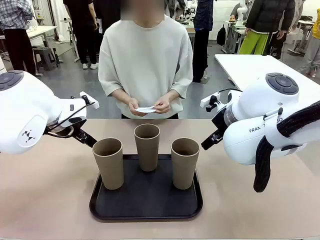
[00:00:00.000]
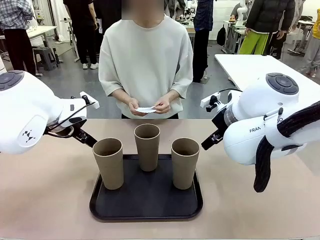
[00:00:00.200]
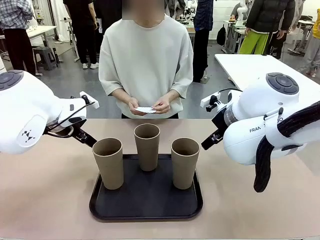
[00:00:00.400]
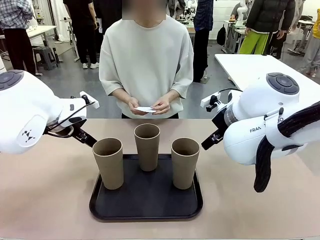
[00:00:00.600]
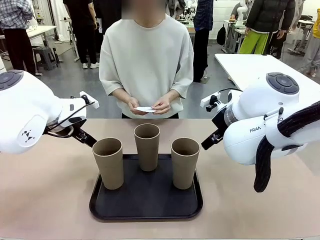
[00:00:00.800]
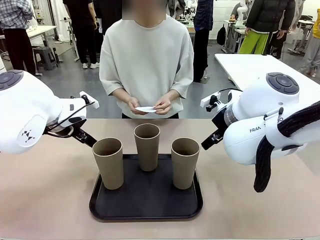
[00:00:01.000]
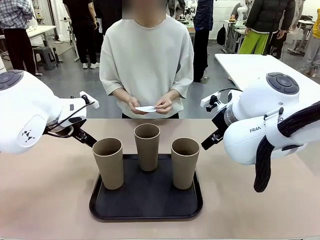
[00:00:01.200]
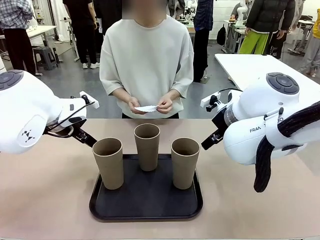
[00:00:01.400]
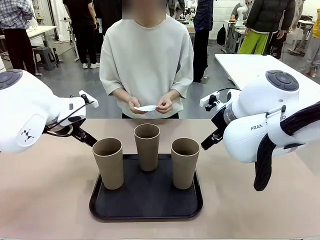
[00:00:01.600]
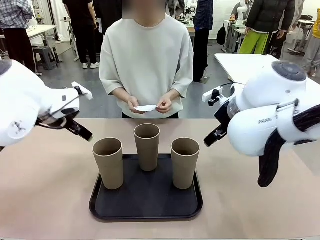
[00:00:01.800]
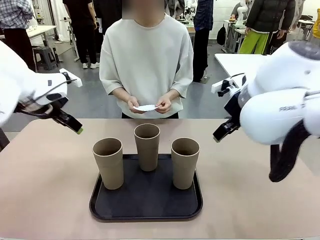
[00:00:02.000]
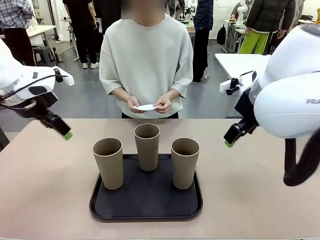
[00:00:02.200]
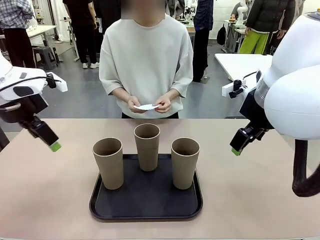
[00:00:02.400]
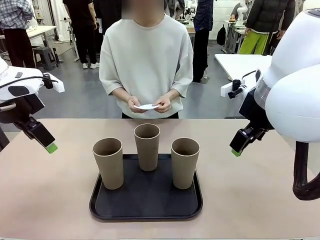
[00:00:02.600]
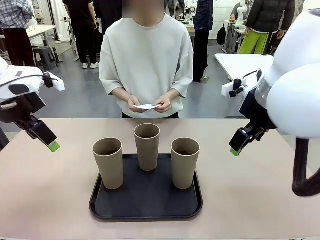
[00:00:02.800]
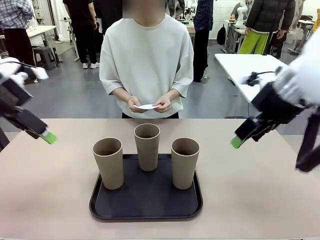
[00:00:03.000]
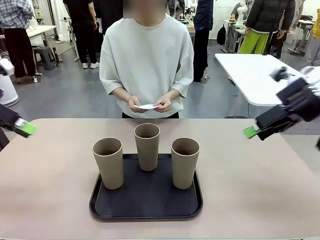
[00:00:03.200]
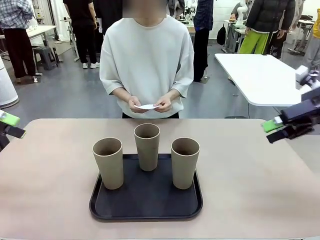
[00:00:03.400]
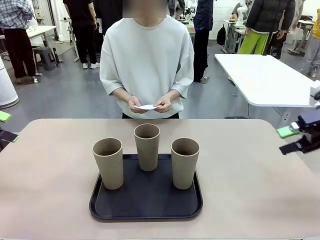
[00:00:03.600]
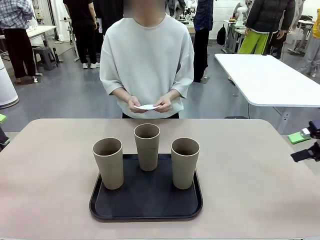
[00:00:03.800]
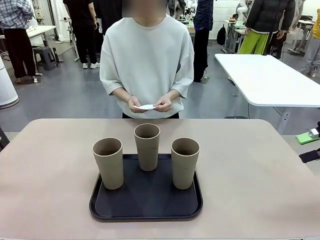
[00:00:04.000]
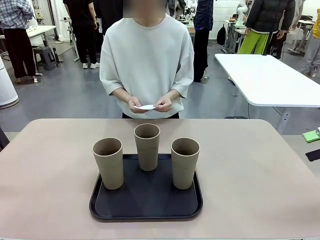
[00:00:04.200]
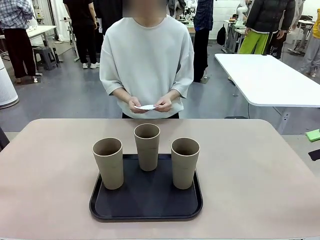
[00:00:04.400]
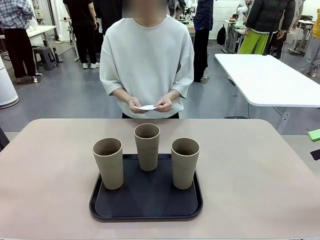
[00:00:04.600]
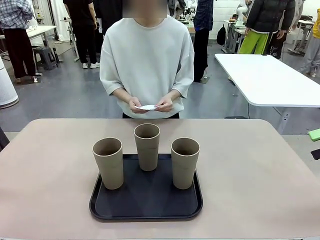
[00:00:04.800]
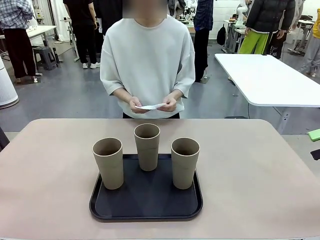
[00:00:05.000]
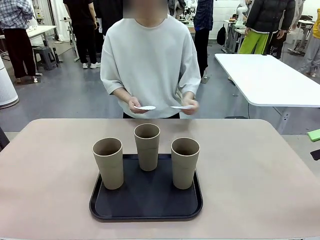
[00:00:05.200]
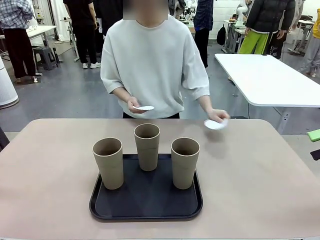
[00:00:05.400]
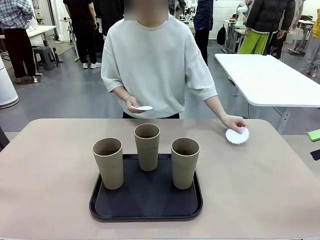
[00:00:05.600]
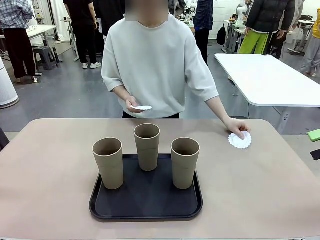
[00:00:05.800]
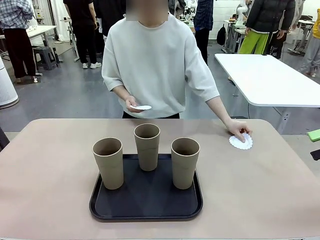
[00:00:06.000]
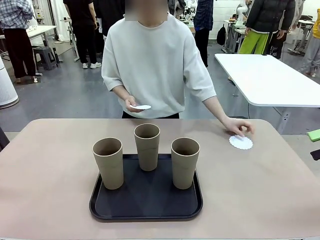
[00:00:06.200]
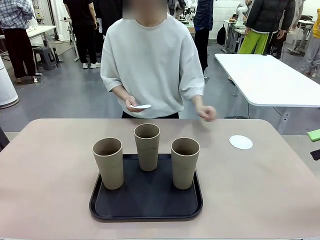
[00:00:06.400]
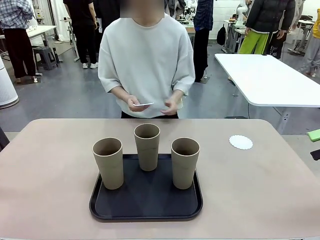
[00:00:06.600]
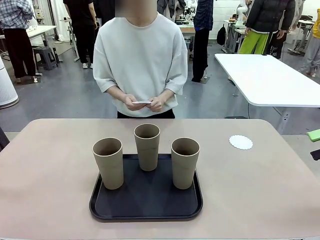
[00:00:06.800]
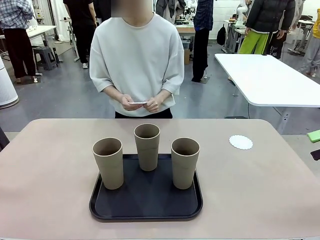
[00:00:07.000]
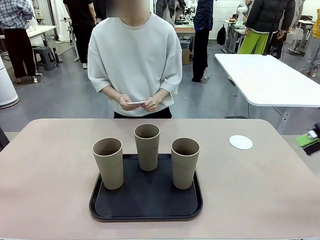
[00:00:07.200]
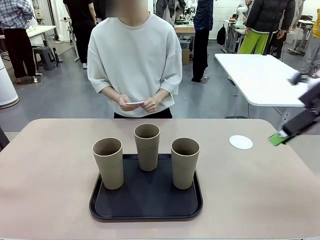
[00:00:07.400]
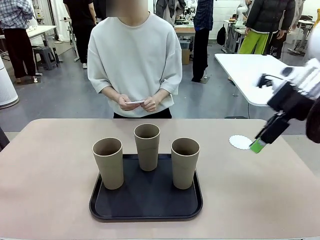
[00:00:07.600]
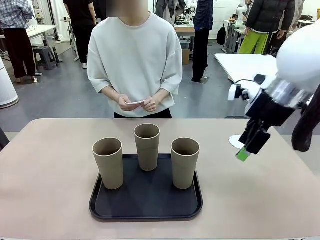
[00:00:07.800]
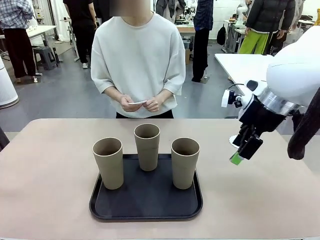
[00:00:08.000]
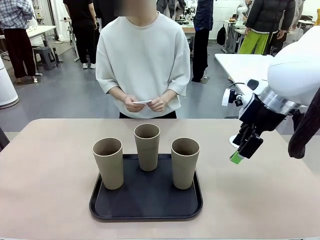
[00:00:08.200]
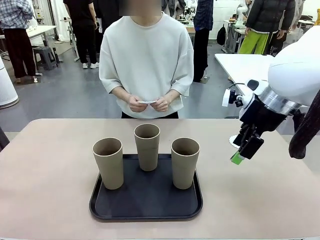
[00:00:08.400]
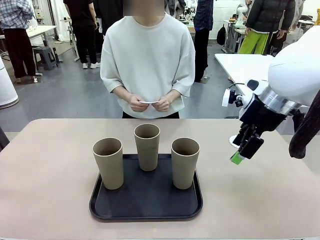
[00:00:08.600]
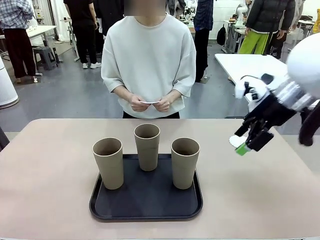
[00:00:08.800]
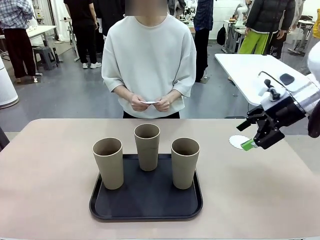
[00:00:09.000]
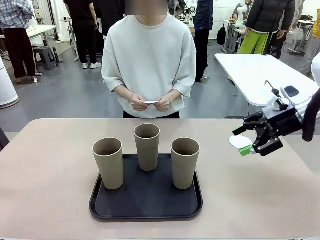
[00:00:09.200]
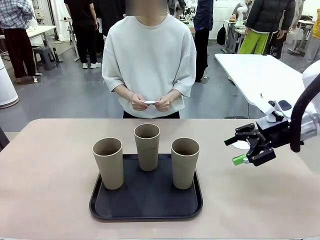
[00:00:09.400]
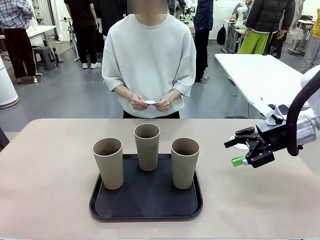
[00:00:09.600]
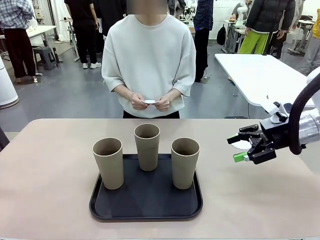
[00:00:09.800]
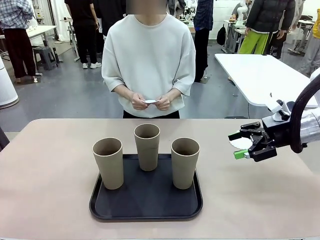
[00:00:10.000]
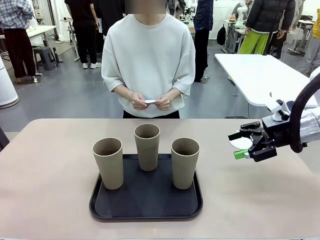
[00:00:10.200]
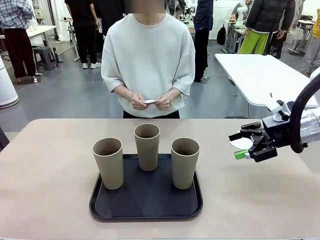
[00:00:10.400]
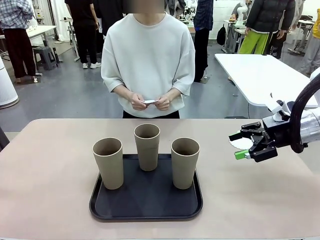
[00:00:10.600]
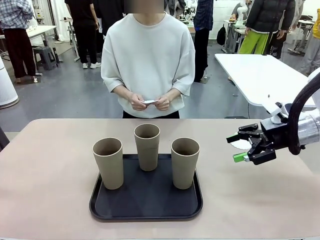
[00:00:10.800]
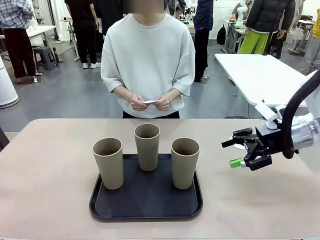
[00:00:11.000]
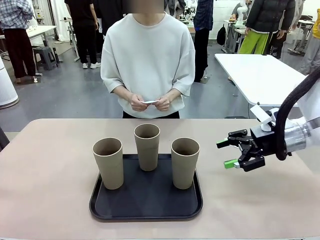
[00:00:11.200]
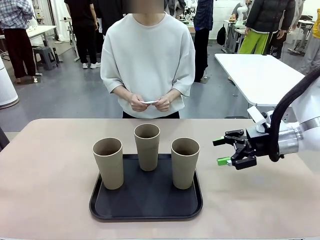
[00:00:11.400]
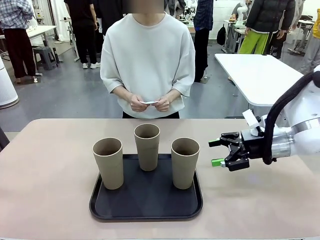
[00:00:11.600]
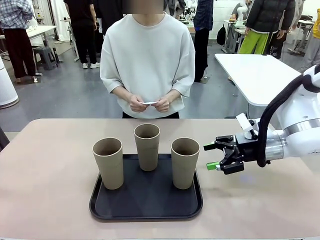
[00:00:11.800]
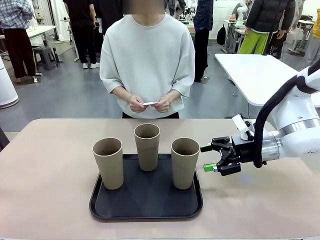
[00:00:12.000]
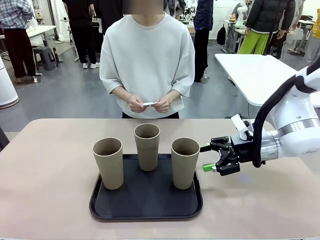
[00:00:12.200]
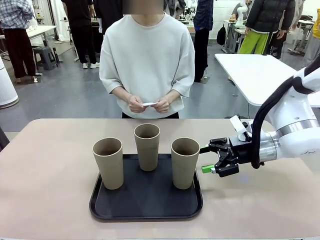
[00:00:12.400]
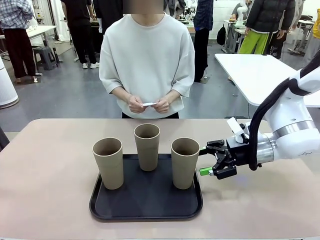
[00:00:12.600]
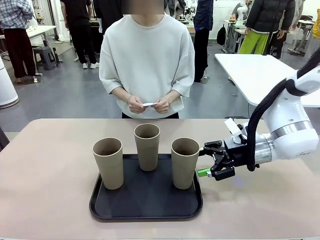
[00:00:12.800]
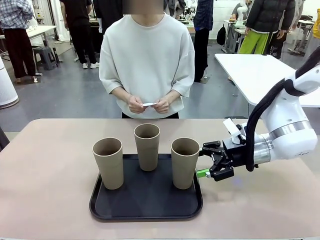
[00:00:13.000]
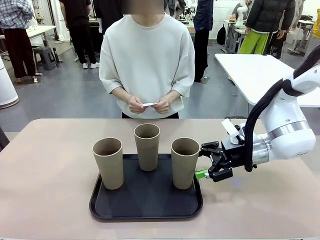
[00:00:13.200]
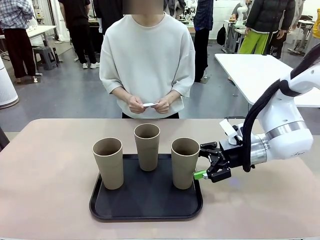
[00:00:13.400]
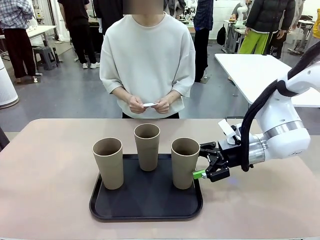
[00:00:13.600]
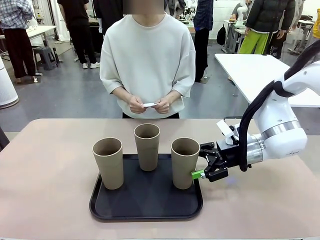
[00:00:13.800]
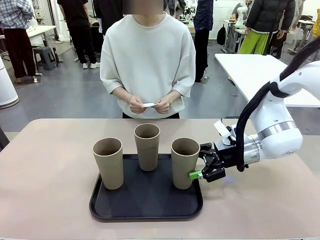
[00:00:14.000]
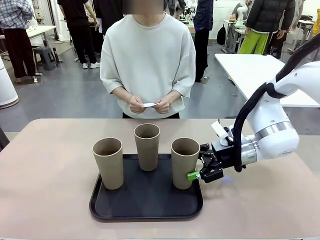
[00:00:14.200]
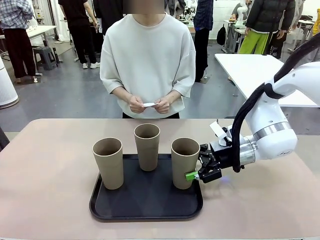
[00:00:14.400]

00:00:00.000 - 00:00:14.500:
Task: Place coasters on the table and set cups on them.
Robot: Pick up one Reusable plastic cup and place it on a coaster set by the human.
Person: Place one coaster in any one of the three lower areas of the robot table (left, center, or right).
